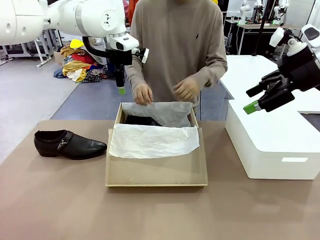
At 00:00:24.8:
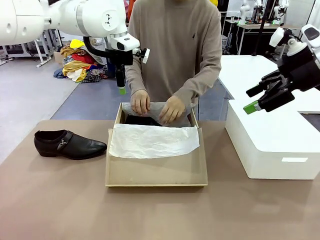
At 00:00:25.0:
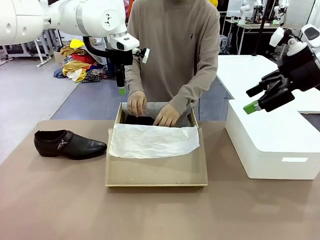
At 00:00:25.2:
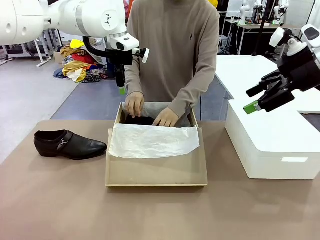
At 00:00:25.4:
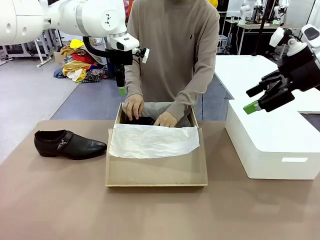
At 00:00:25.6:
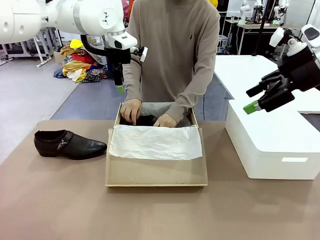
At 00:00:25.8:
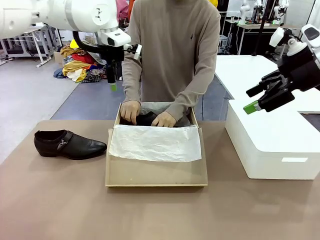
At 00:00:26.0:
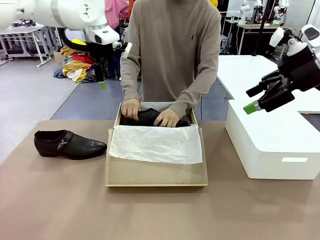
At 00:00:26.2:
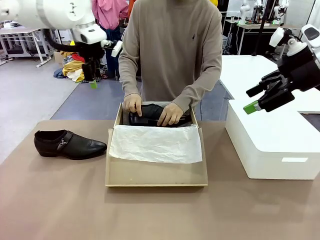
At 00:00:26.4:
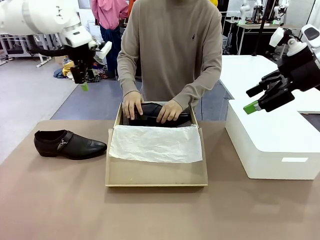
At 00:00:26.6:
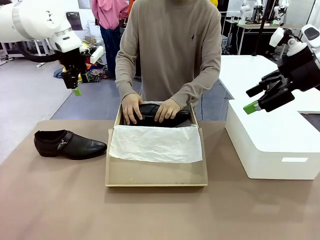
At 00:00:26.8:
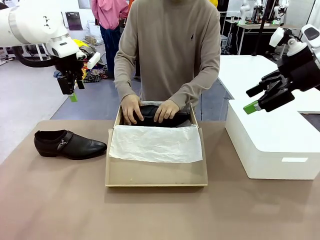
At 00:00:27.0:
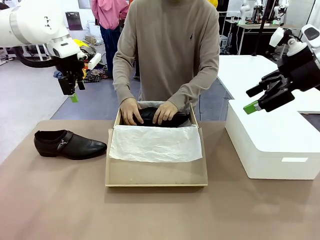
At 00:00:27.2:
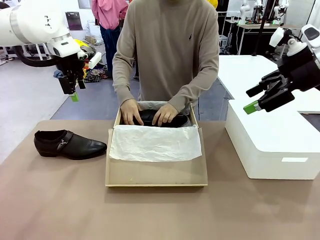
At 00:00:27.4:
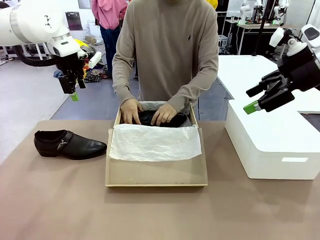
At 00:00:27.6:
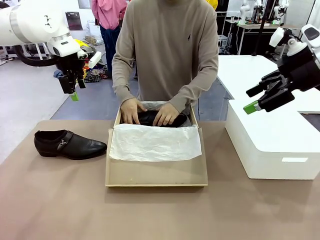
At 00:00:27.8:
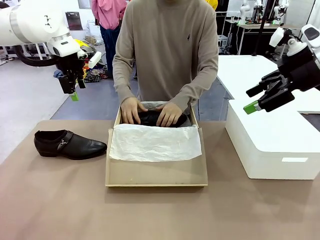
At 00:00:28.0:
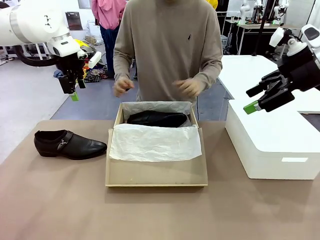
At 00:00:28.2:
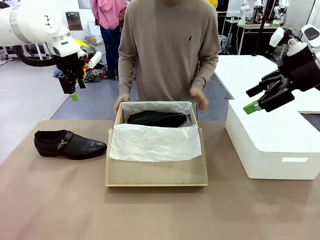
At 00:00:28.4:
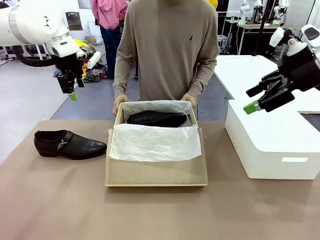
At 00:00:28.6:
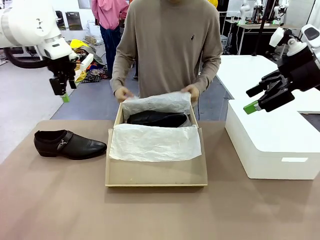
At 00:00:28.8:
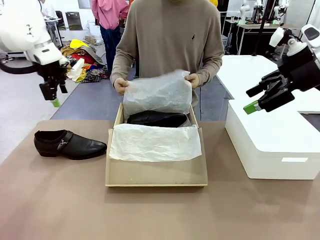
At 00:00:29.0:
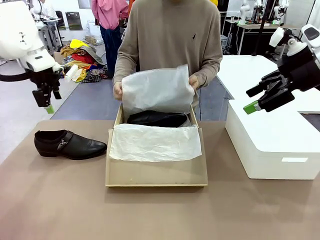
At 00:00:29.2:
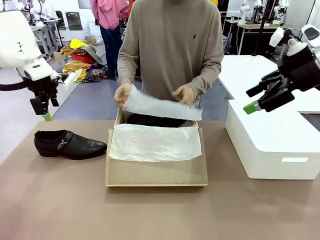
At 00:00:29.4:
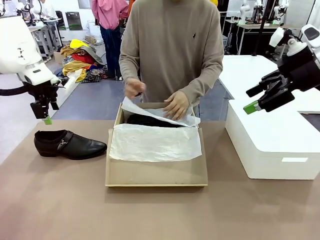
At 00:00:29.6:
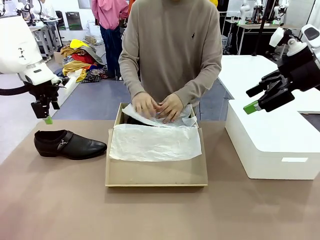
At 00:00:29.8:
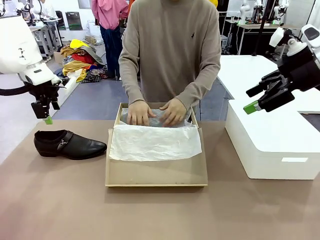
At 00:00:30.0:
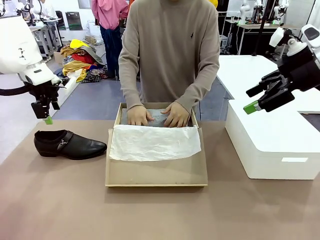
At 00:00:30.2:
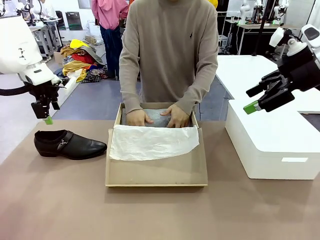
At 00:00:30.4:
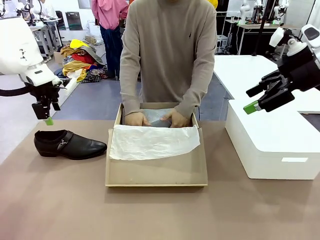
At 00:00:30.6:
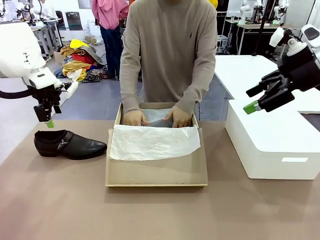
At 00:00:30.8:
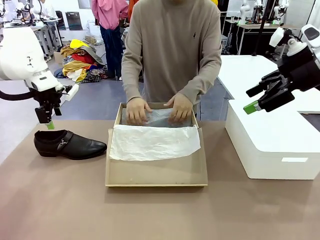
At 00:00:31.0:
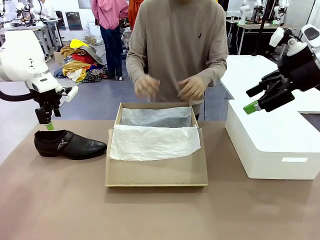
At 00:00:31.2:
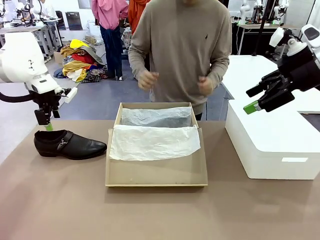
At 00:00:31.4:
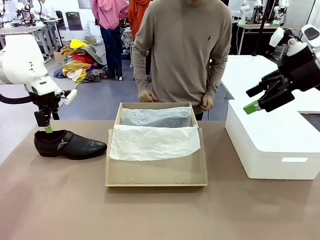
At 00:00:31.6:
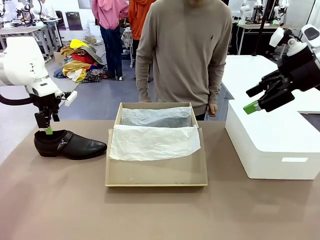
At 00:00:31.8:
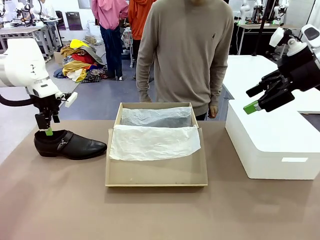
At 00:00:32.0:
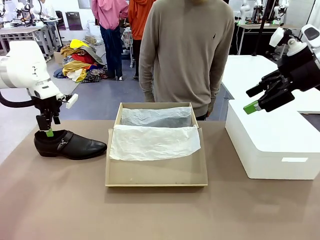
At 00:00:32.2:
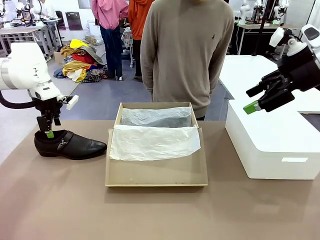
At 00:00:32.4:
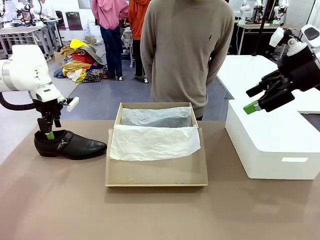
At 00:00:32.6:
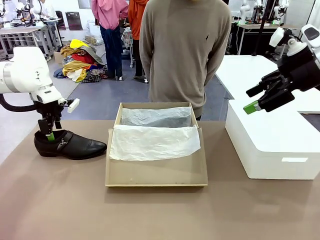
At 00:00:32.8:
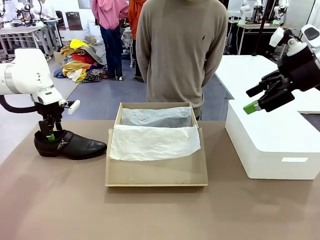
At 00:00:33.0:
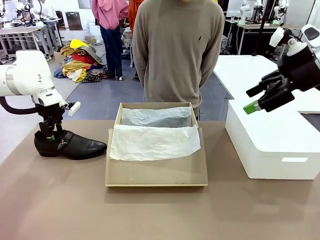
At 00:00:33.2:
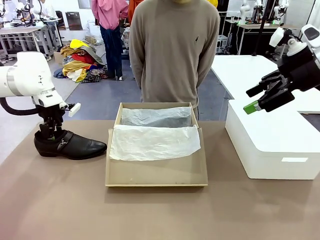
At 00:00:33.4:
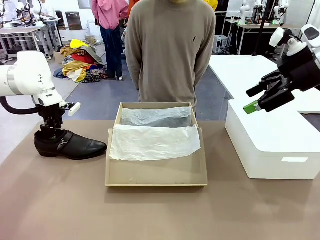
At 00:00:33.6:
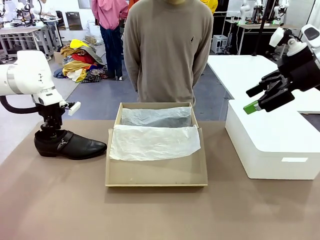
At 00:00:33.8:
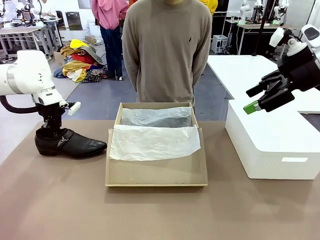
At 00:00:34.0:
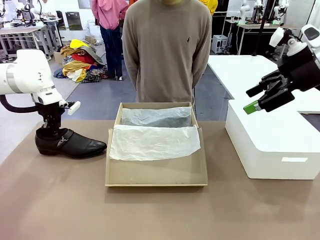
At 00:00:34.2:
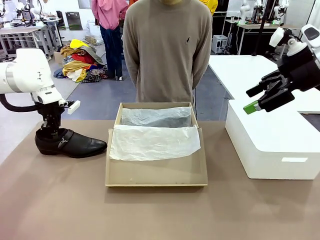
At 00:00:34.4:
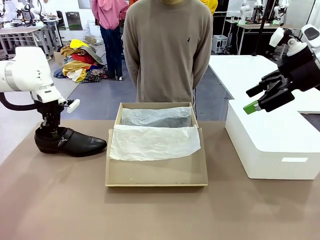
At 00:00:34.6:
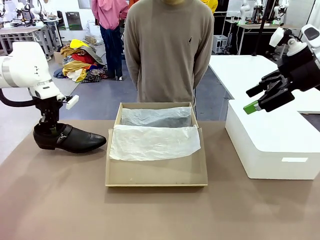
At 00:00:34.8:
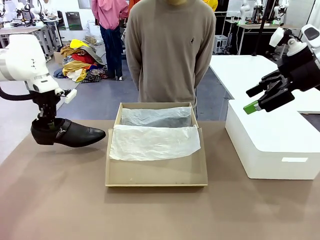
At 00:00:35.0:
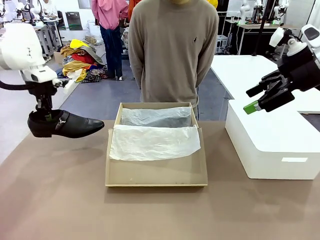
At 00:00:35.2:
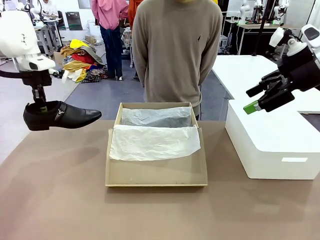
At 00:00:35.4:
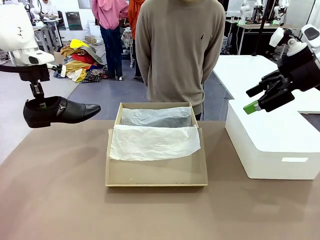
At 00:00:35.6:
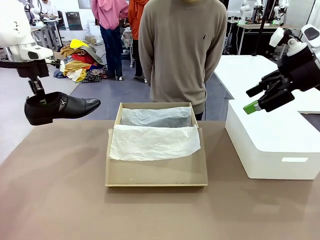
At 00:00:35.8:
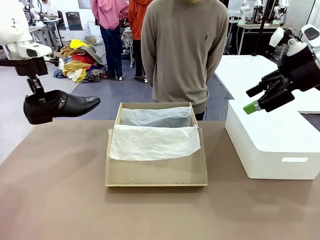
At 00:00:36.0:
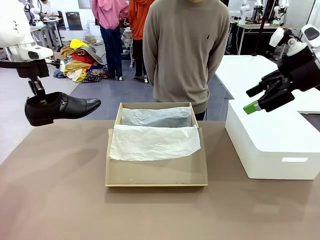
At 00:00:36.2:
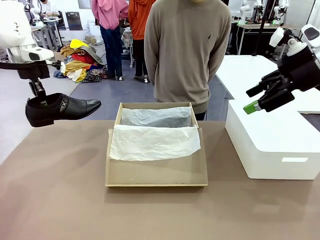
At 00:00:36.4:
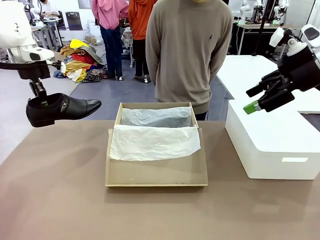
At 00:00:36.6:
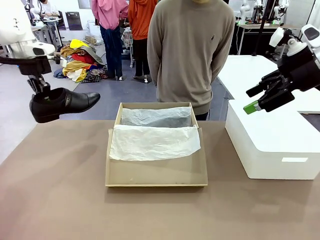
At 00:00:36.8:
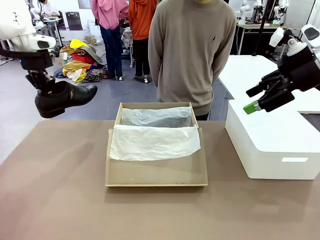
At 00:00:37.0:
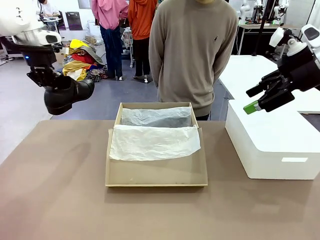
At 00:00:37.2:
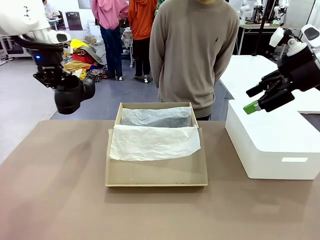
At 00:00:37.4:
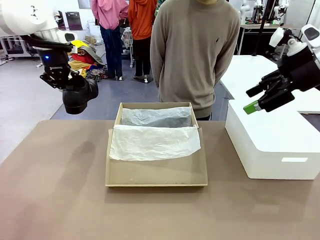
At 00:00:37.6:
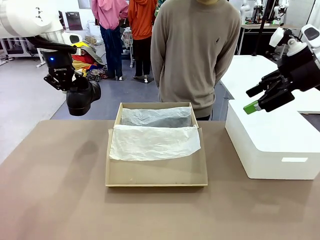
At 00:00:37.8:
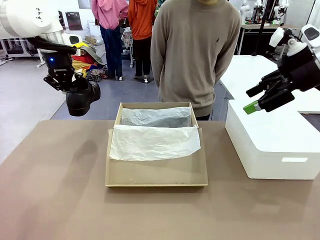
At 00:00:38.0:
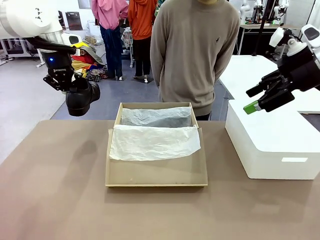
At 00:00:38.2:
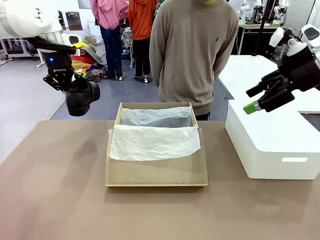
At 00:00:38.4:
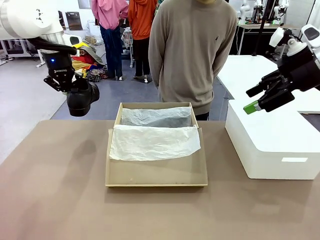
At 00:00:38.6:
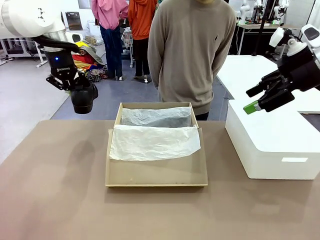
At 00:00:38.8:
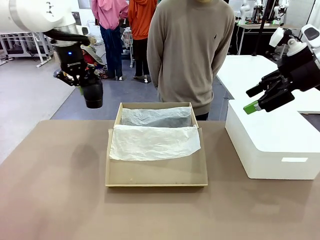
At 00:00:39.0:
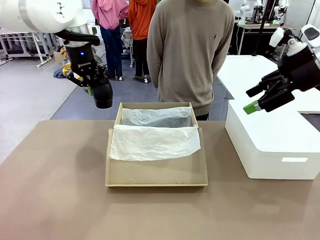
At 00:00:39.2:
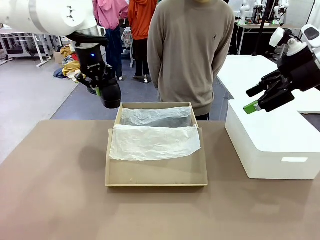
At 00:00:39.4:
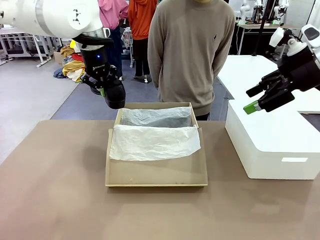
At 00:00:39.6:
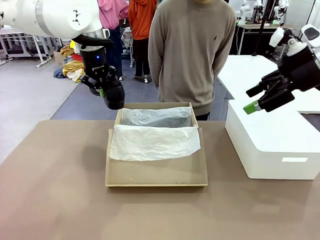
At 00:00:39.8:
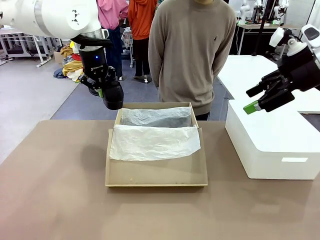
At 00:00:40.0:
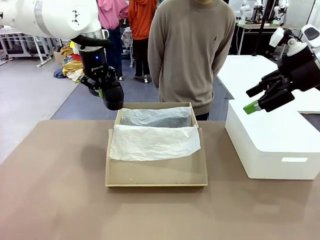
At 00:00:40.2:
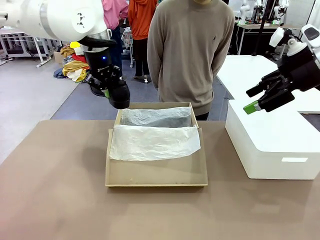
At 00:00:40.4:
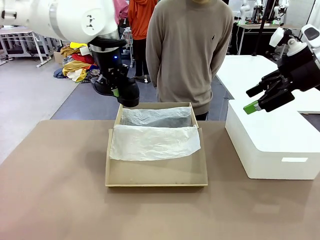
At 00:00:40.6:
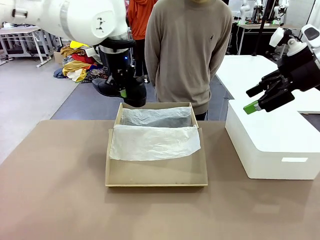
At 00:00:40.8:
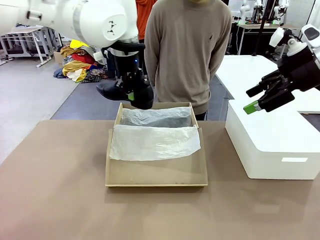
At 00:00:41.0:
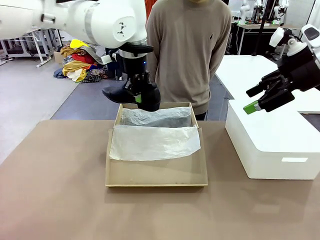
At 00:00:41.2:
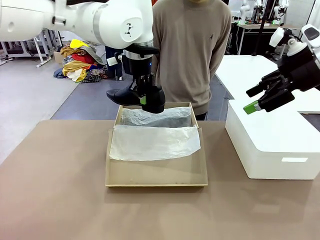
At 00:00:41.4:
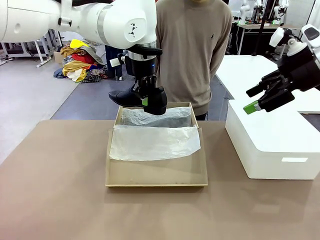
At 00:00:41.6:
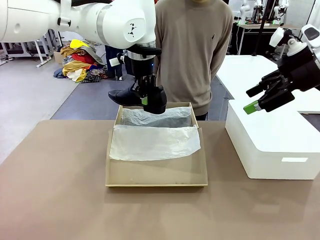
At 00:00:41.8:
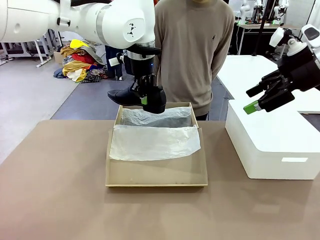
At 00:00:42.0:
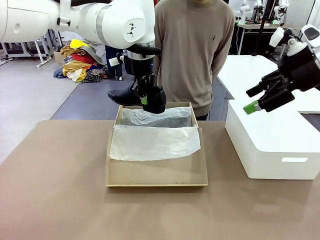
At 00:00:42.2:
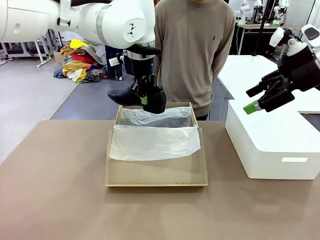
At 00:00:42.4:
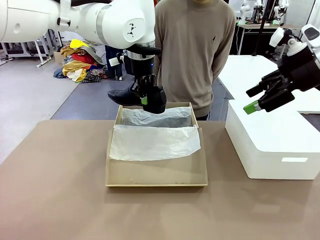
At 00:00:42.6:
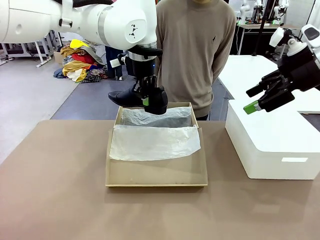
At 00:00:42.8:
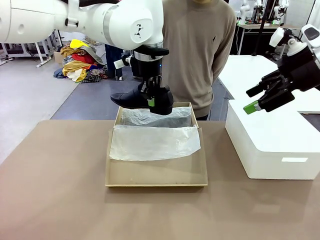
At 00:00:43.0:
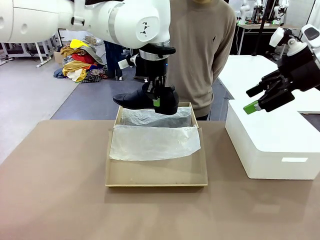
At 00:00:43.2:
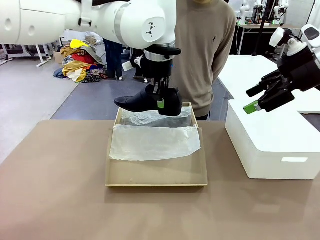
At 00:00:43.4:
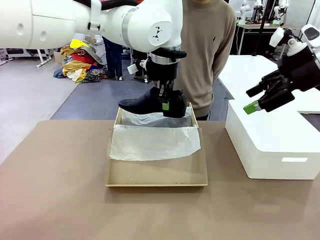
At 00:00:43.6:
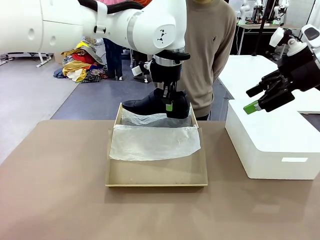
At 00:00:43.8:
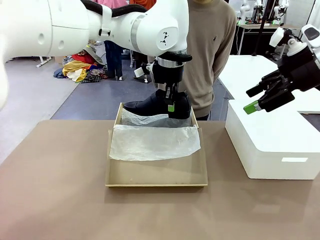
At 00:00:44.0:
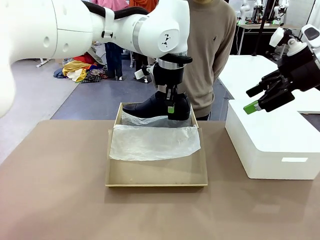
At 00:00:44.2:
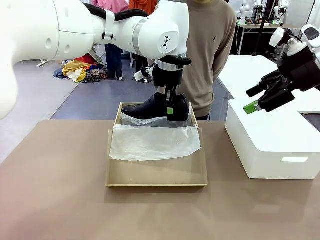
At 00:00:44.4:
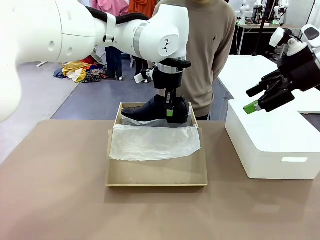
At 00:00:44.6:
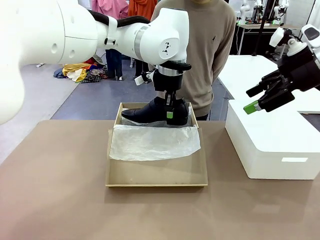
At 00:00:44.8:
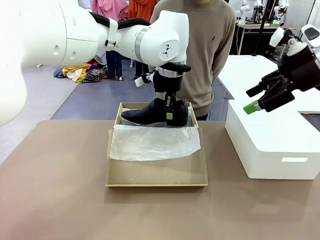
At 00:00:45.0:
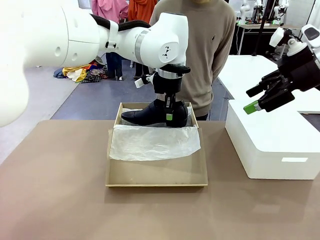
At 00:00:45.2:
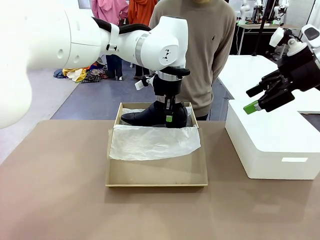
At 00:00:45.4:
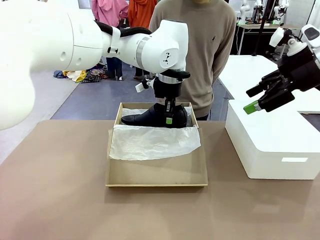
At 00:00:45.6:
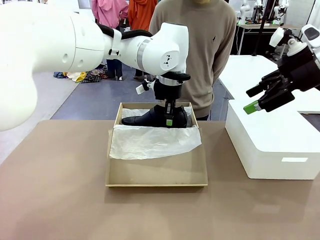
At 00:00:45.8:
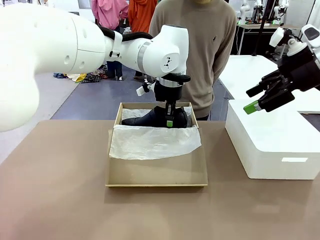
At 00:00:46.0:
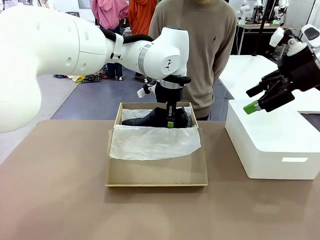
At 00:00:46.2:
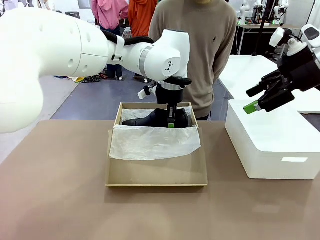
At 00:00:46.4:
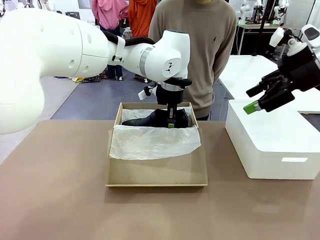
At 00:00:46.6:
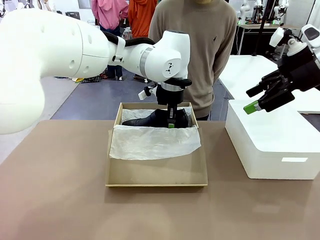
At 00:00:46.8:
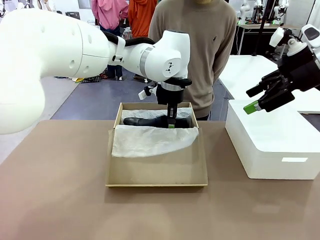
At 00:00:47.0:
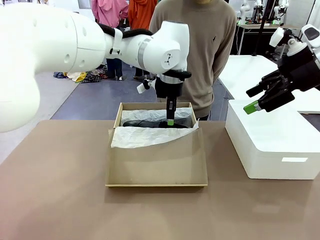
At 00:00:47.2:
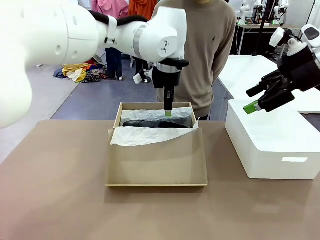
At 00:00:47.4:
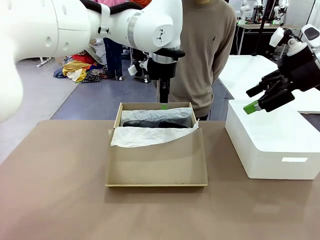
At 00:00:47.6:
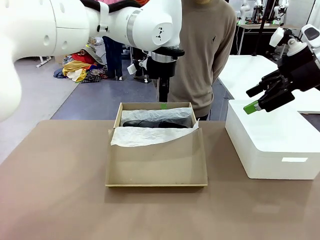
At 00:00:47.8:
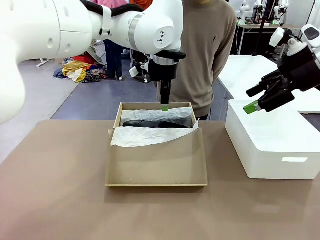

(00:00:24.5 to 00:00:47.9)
Task: Pack the shoes into the box.
Robot: Place the other shoe of the Shoes into the Shoes Box.
Person: Pack a shoe of Shoes inside the Shoes Box with Shoes Wrapping Paper.
